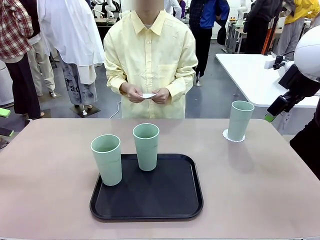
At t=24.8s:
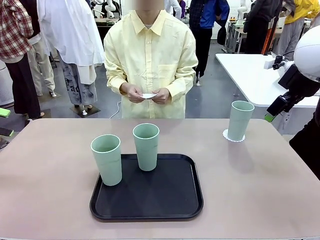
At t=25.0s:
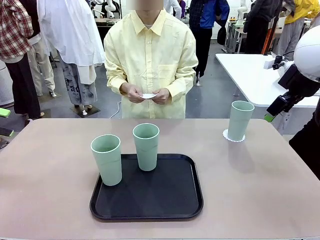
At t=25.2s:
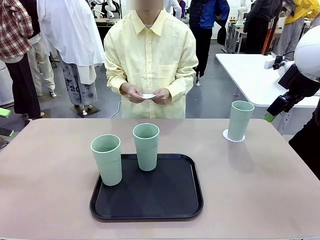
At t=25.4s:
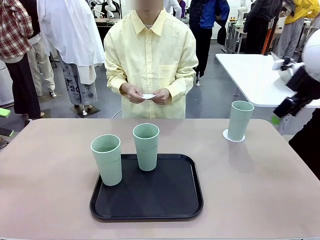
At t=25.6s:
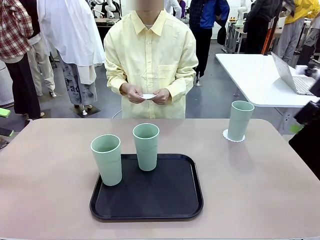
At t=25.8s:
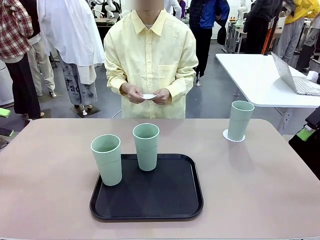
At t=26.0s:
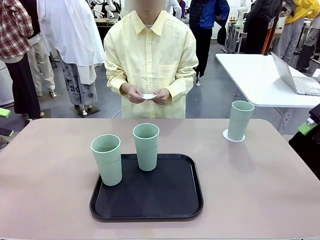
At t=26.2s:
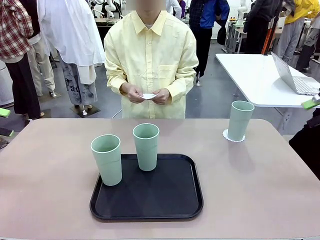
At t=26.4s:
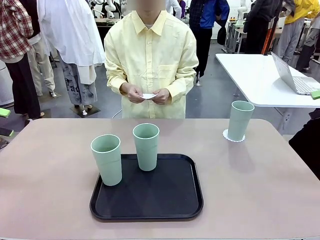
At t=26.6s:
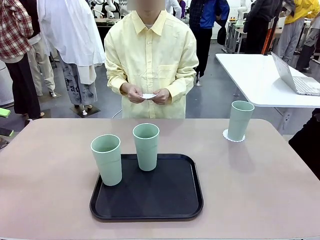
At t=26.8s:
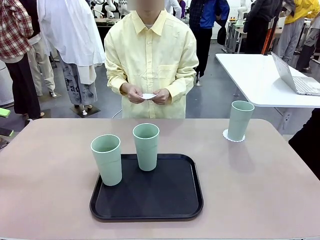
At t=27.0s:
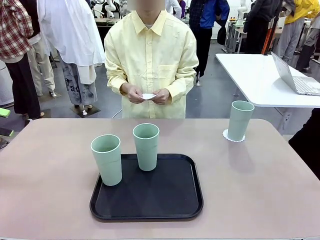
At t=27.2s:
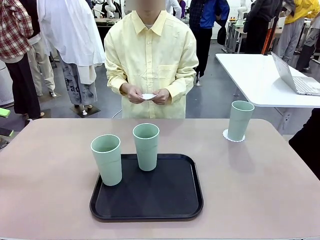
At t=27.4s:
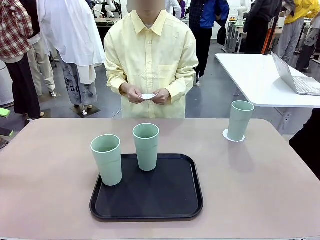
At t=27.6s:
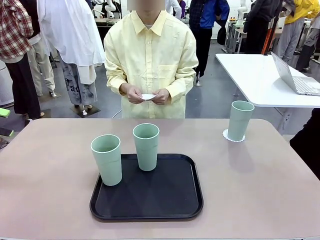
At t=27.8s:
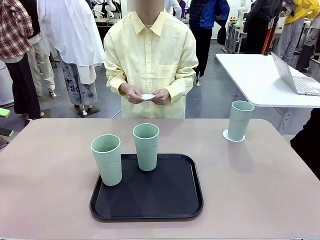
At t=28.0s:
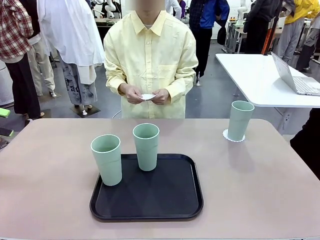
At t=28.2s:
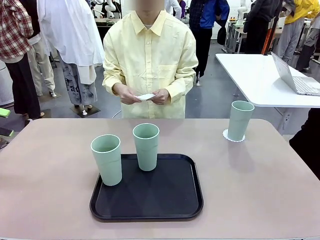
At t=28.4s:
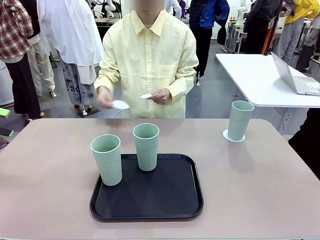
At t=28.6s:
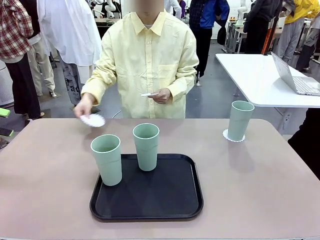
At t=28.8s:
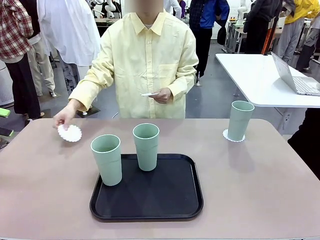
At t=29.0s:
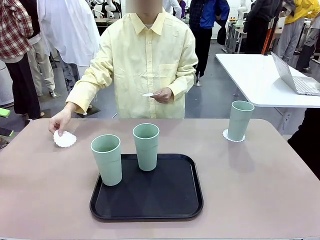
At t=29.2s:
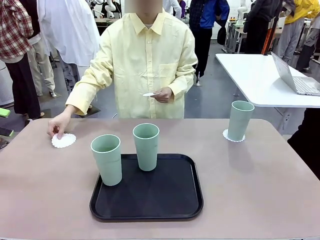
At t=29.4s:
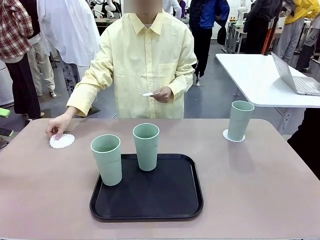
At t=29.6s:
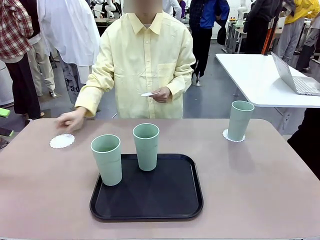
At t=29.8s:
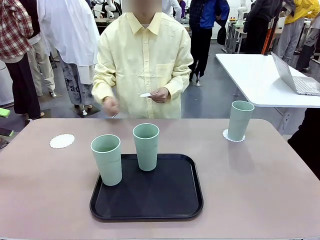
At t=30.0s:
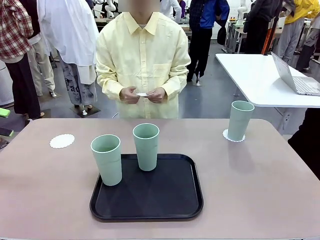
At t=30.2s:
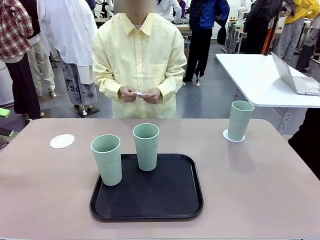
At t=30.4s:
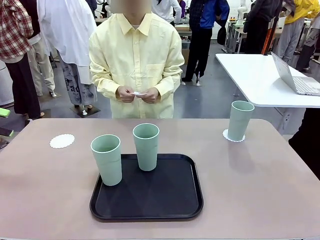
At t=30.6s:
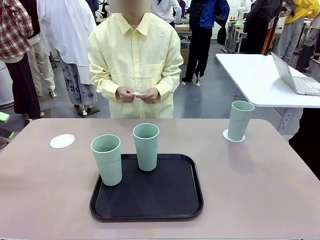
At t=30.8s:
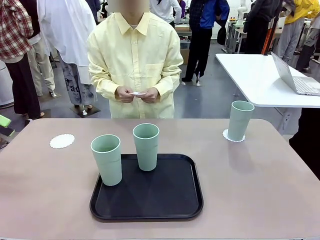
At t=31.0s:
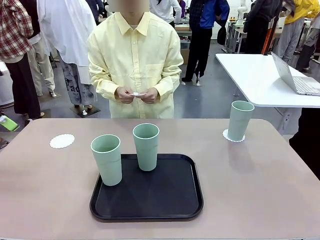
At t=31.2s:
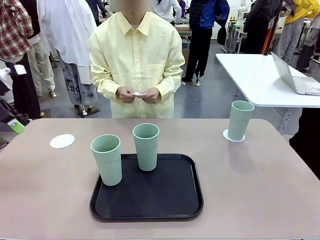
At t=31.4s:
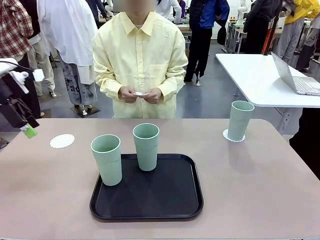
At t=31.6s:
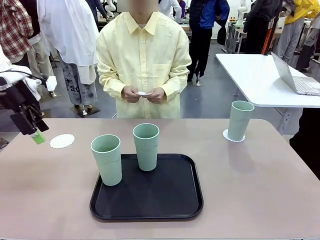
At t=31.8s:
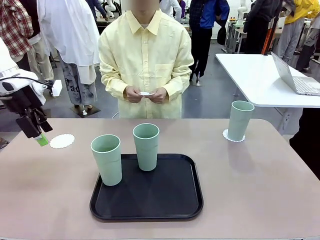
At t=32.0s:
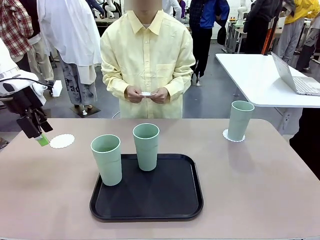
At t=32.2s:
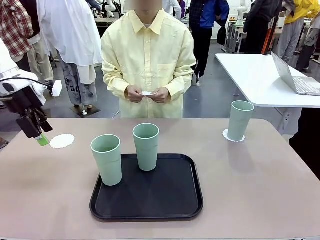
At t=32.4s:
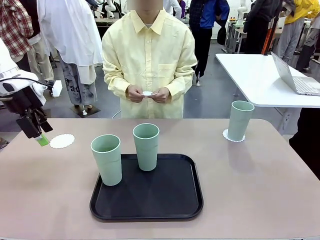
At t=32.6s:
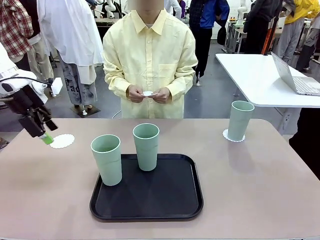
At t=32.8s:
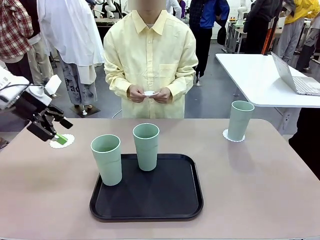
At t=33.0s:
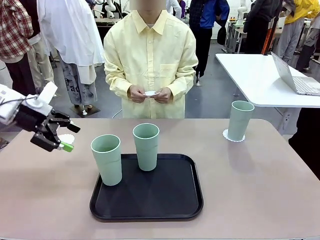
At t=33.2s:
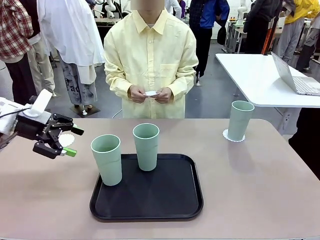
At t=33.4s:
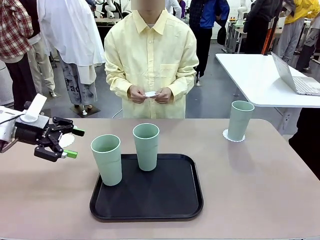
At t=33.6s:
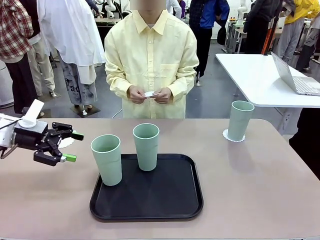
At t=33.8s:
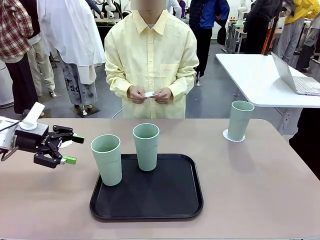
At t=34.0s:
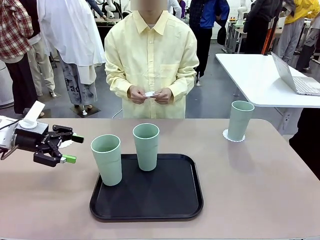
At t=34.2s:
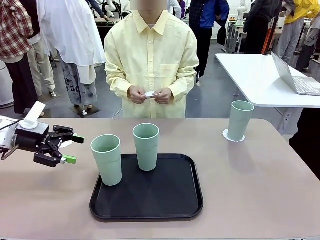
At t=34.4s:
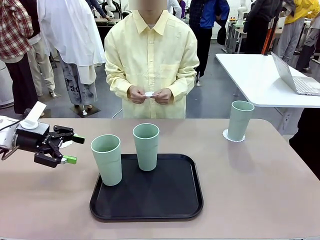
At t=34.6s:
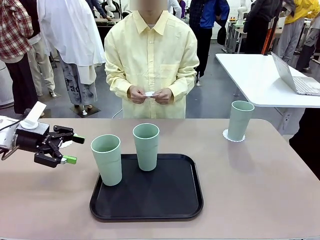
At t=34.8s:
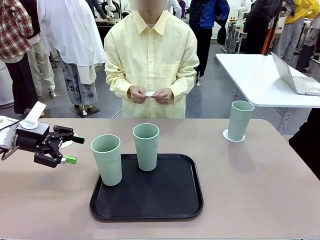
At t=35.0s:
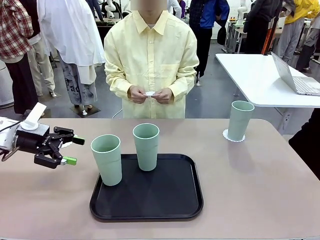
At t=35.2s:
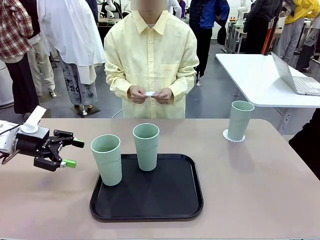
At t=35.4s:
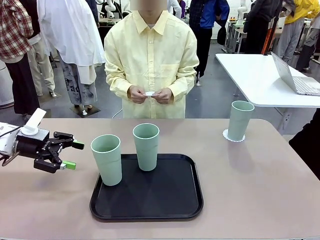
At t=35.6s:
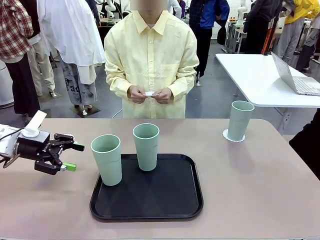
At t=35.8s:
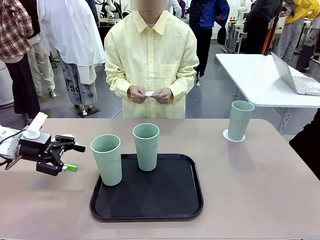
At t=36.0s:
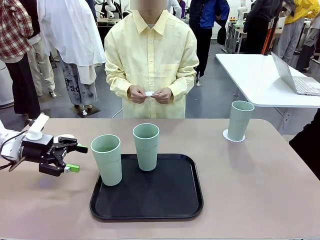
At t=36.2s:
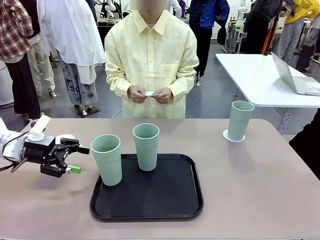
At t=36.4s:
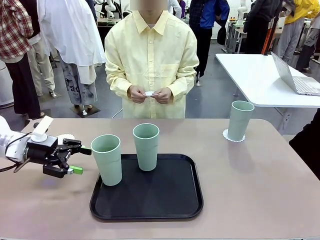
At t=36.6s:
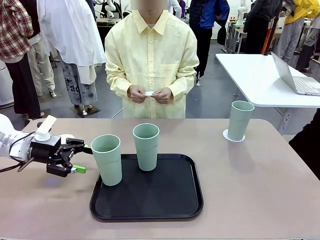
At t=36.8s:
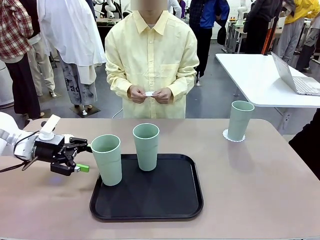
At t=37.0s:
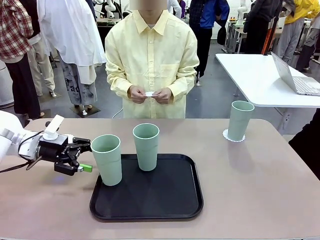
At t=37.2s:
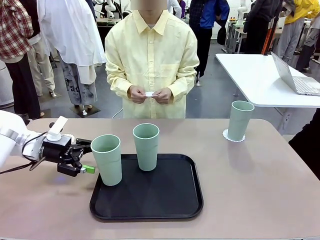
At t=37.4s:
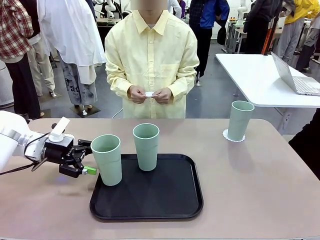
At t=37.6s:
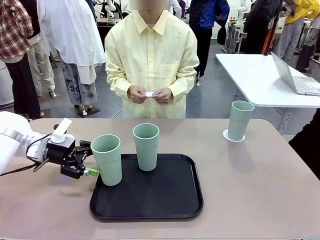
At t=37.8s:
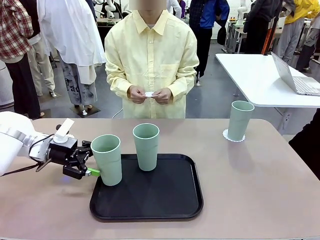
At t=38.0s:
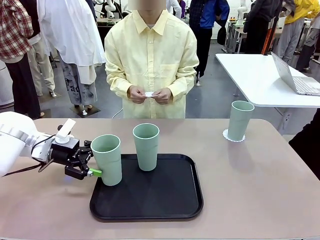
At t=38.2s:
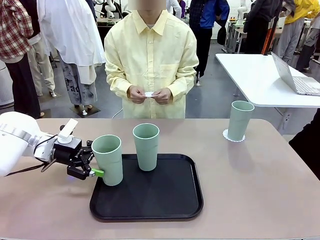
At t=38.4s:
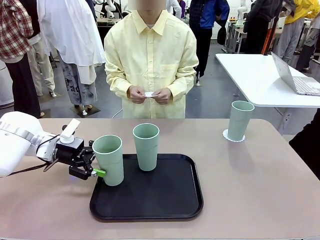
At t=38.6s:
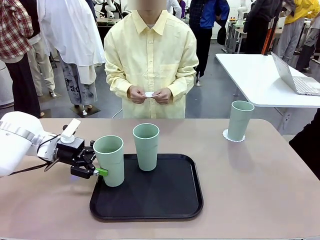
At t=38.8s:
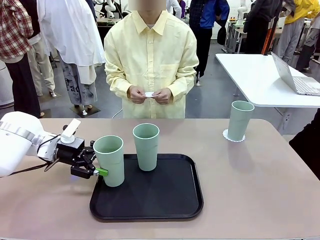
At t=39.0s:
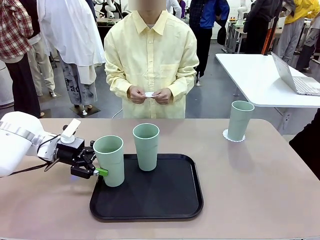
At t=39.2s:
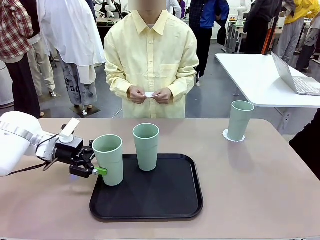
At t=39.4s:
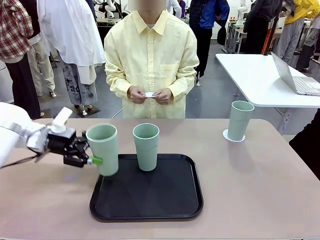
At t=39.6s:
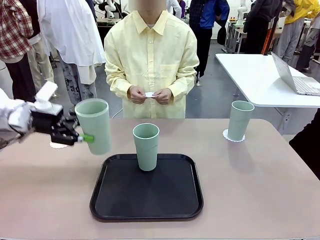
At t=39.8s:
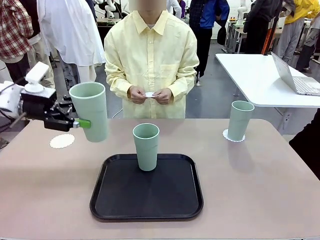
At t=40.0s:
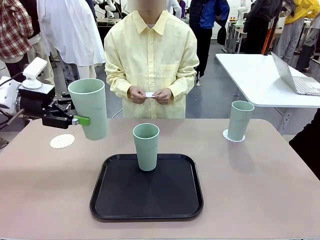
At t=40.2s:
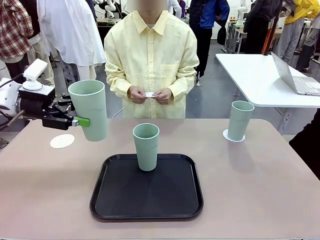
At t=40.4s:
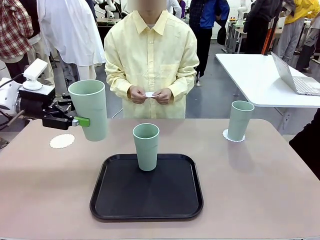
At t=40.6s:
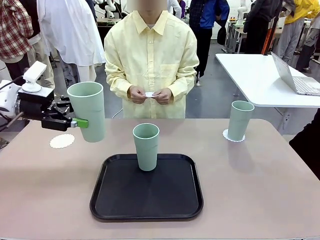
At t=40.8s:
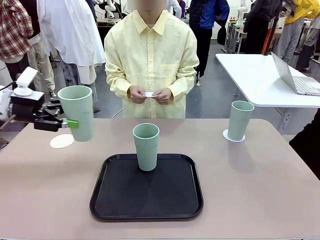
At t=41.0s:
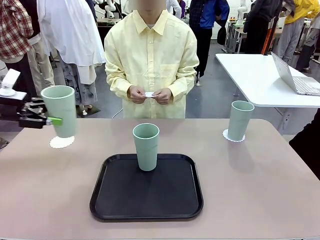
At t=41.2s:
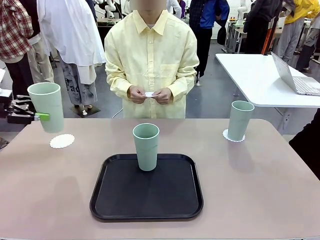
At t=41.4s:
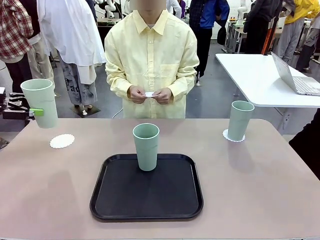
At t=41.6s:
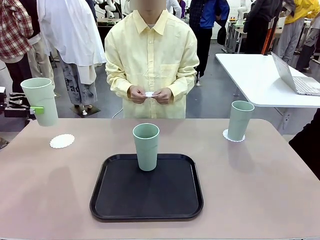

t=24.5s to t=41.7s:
Task: Place coasters on the table and set cups on them.
Robot: Take one Reusable plastic cup from the Flat Tray and place it on a coaster set by the human.
